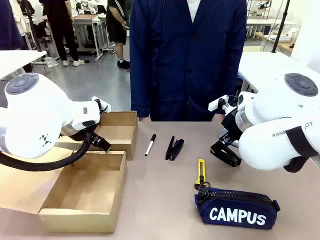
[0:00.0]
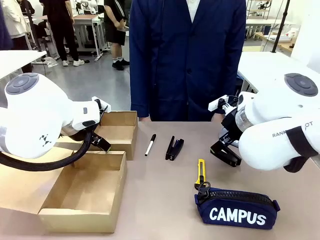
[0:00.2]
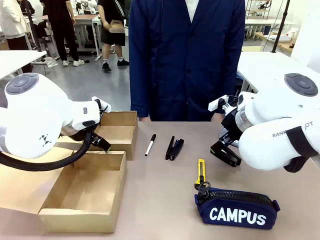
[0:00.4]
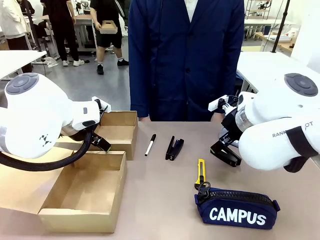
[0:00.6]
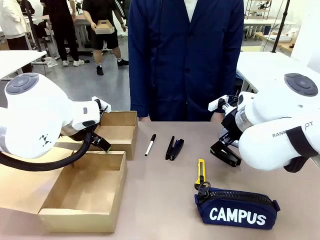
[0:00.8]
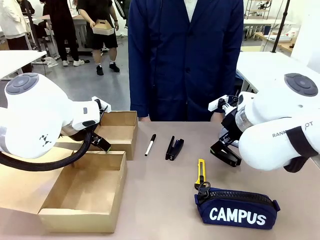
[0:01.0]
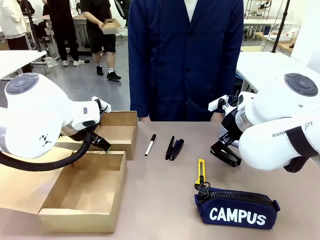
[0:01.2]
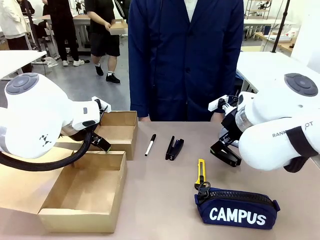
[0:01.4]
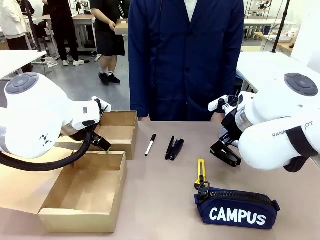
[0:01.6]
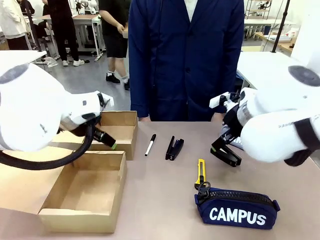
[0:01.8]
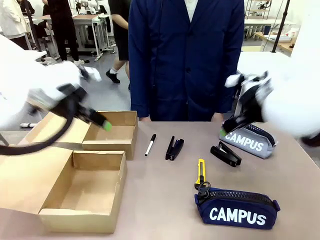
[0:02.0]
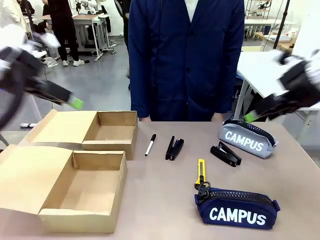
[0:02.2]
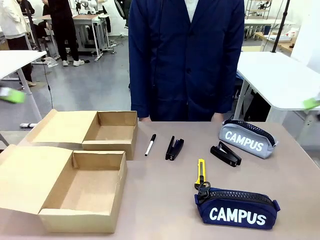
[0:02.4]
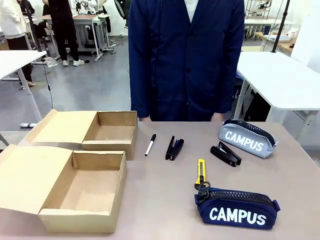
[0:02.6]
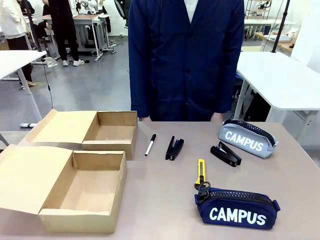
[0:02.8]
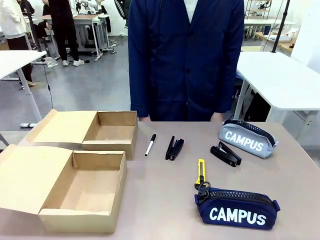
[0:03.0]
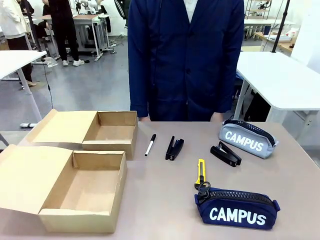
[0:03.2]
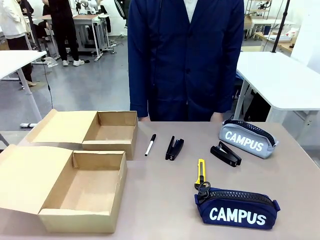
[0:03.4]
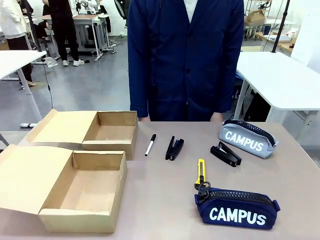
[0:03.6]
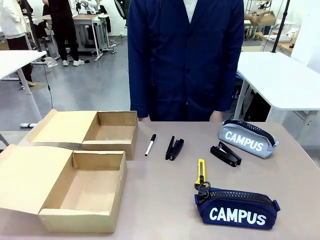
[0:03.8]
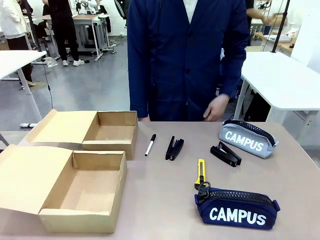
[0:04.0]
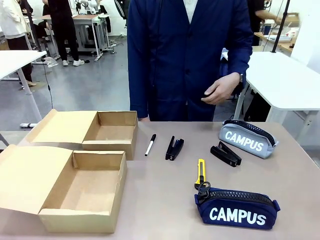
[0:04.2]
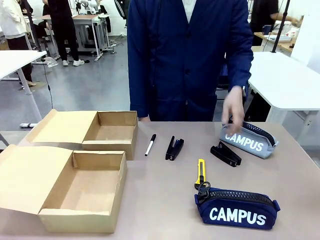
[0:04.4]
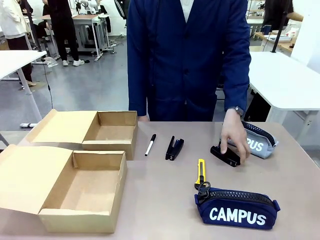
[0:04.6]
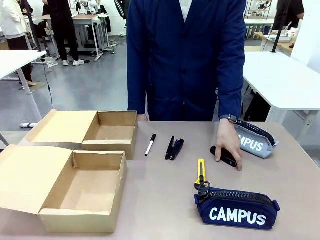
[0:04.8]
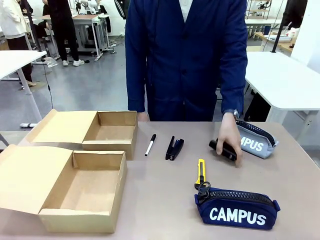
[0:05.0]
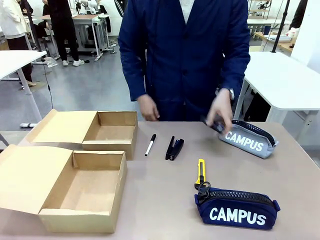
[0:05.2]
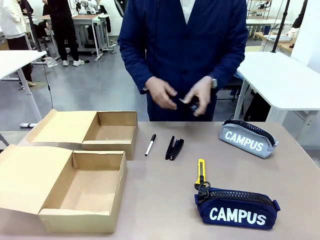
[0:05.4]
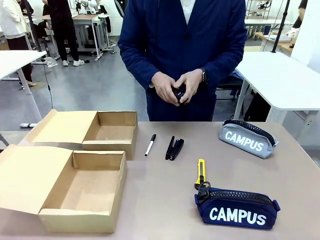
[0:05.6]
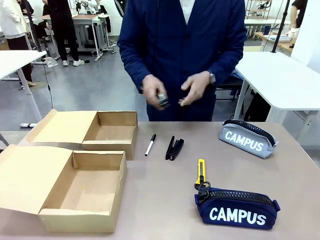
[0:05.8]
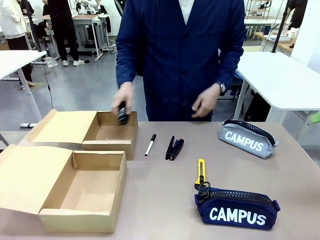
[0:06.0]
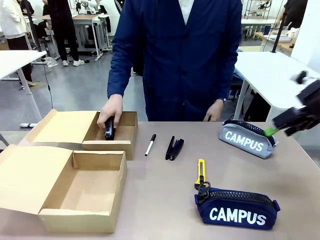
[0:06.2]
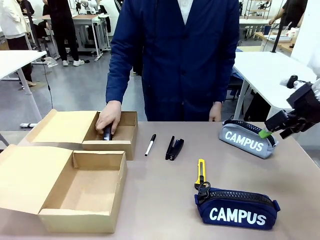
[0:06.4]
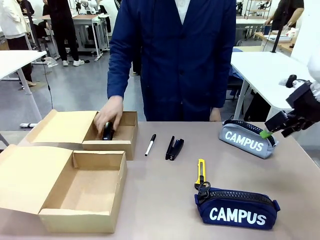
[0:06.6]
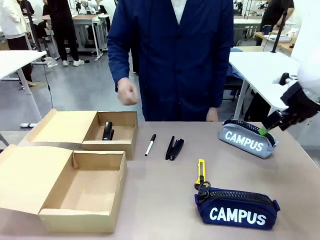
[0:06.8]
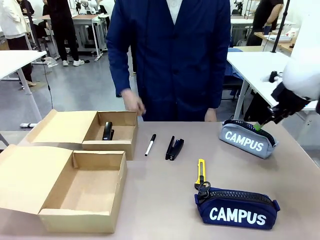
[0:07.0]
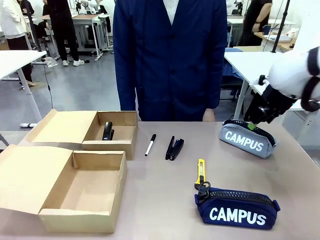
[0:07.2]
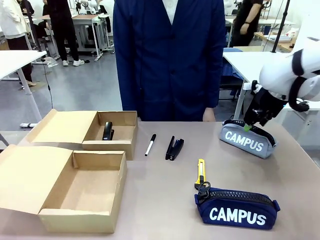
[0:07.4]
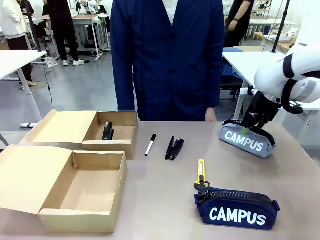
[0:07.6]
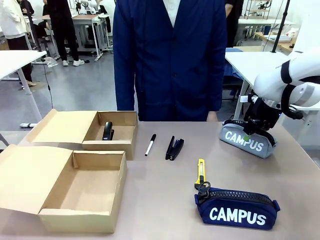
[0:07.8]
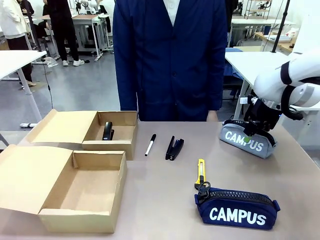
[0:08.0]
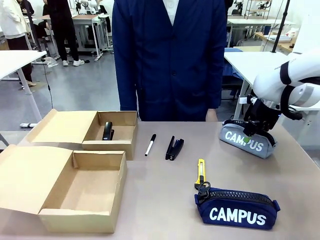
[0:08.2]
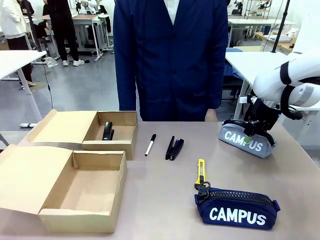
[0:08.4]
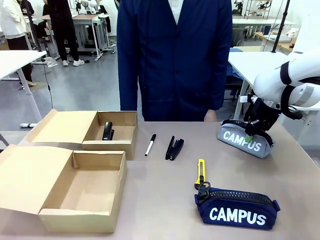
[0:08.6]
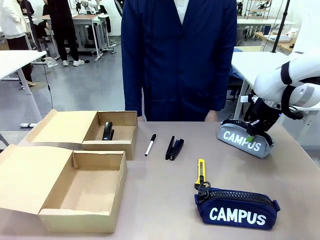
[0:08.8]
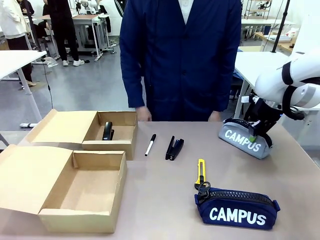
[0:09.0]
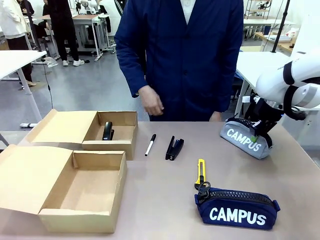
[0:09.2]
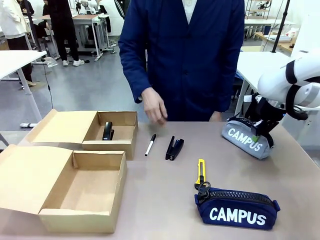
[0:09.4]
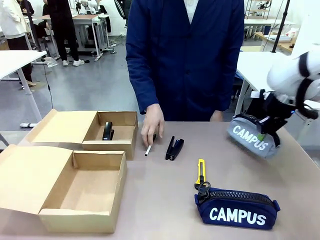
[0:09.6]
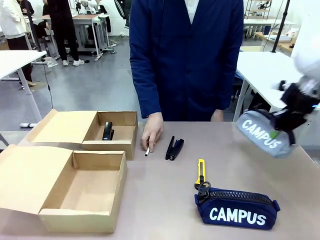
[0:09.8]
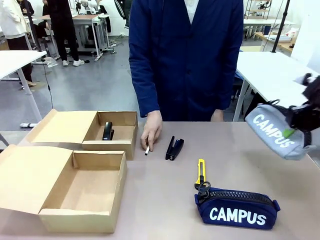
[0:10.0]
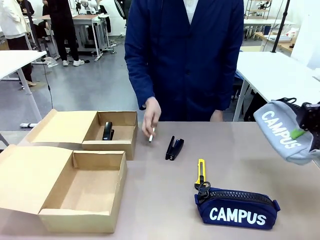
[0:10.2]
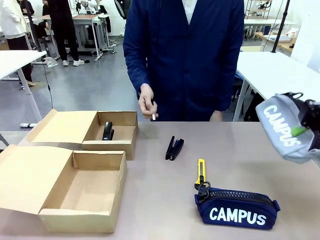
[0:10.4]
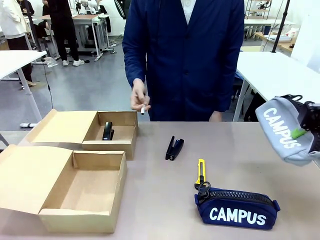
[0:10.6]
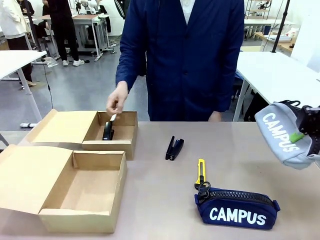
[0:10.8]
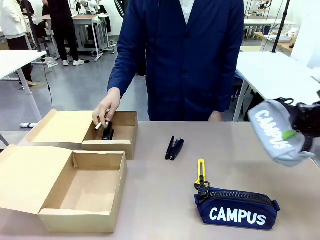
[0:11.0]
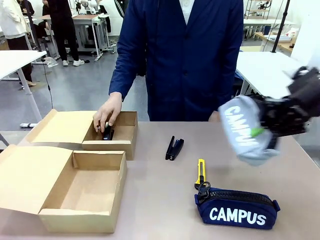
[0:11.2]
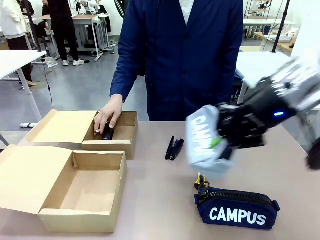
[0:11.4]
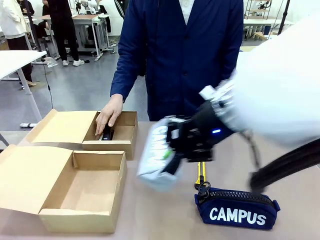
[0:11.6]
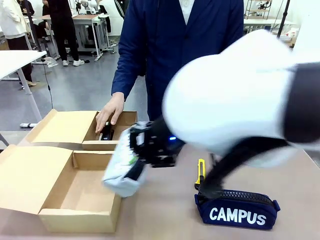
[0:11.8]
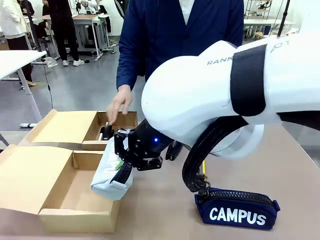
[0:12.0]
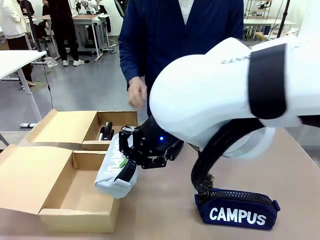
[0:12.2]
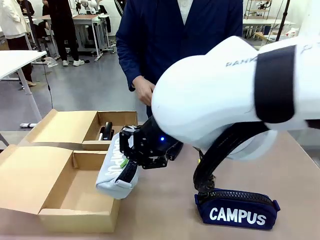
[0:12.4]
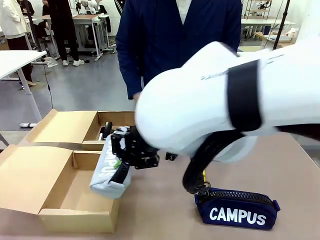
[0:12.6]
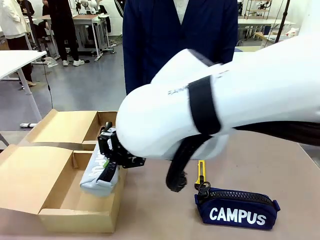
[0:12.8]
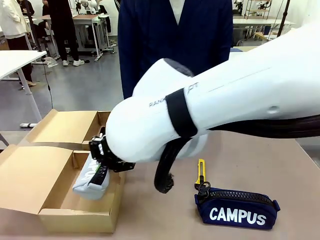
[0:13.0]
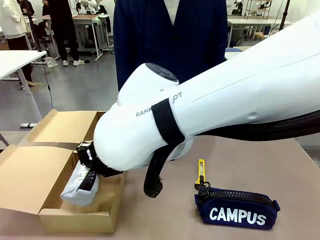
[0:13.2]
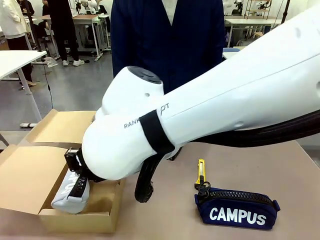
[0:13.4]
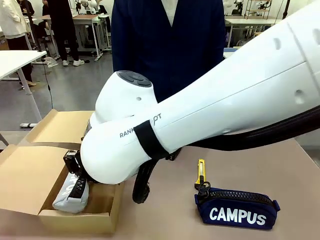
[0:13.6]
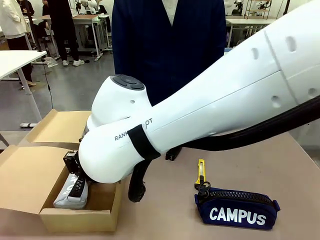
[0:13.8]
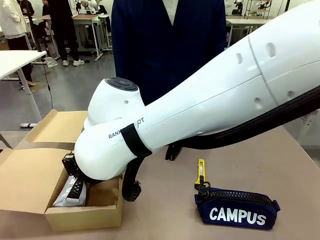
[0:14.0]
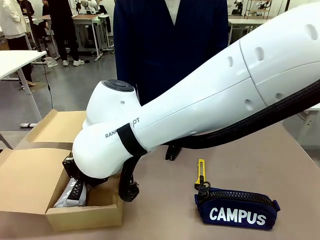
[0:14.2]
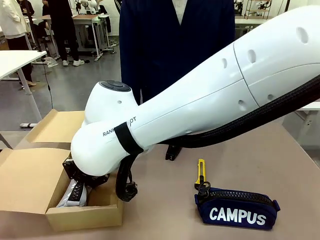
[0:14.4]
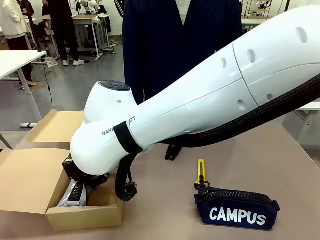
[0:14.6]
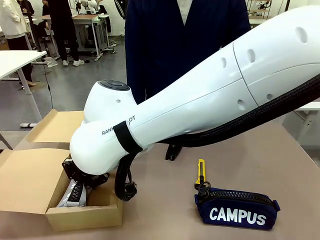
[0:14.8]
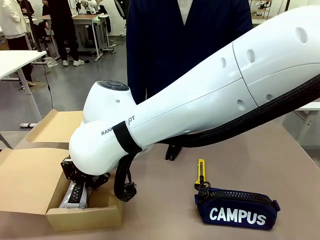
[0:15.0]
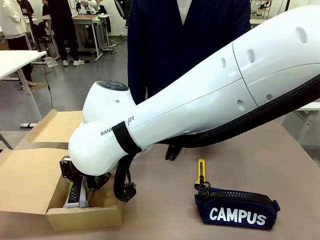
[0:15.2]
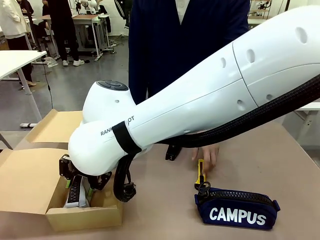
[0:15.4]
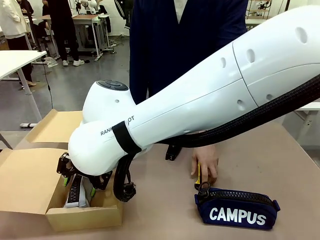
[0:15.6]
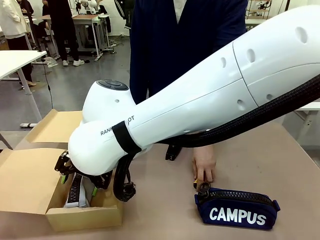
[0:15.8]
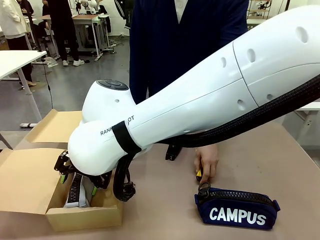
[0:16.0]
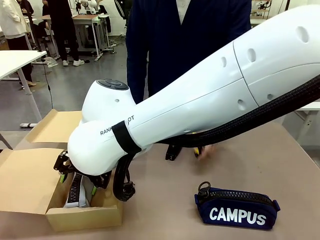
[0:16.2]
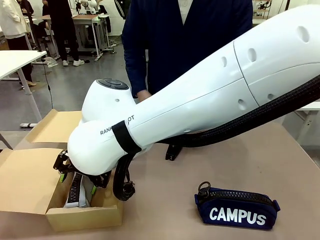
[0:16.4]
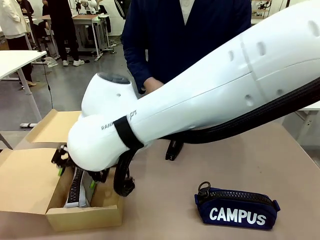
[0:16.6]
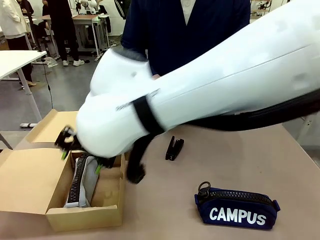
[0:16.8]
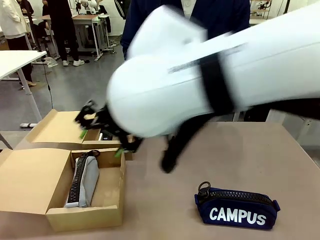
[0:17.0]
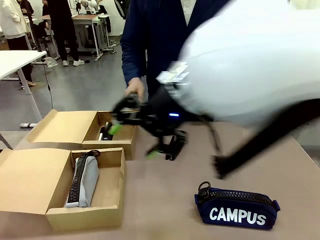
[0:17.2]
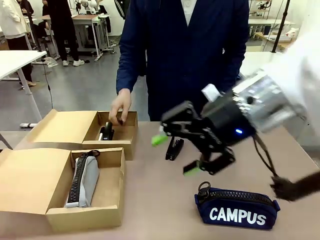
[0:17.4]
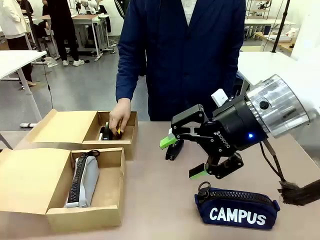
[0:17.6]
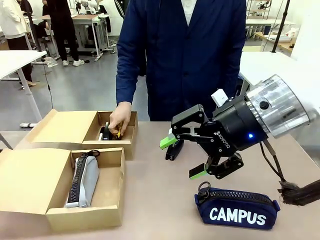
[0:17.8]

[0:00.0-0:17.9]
Task: Place items inside the box.
Robot: Pick up a Pencil pouch or Stapler and place it inside the Mailer Box closest to the robot.
Person: Pick up an object on the table and put it in the box.
